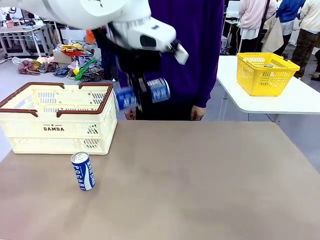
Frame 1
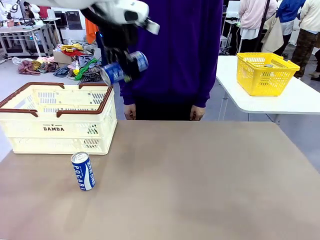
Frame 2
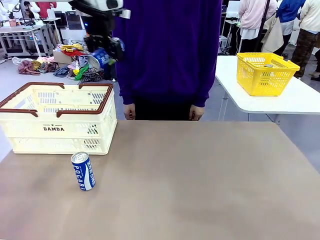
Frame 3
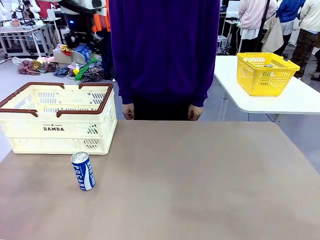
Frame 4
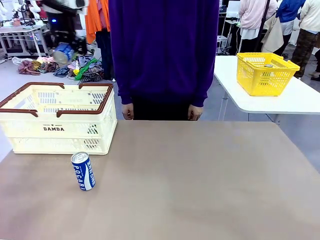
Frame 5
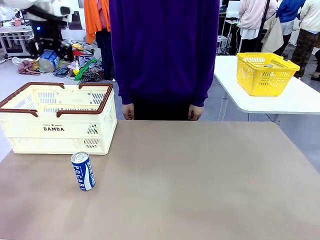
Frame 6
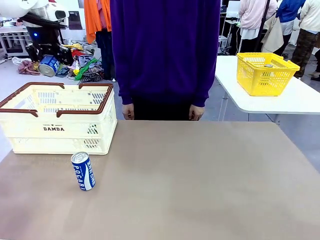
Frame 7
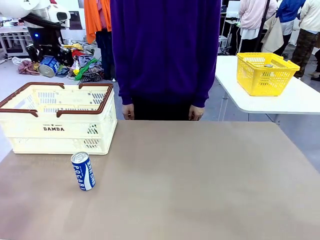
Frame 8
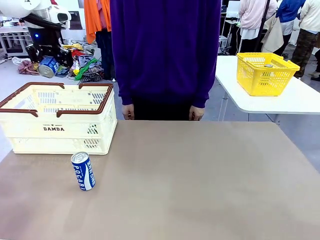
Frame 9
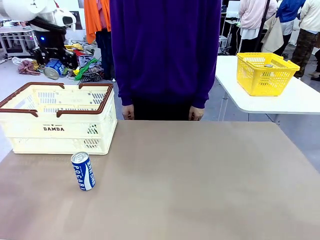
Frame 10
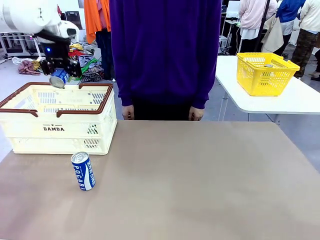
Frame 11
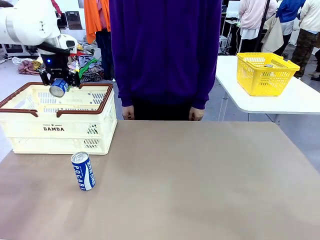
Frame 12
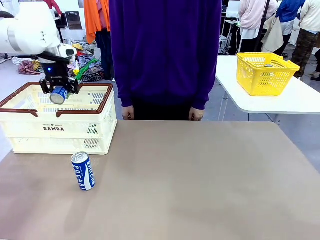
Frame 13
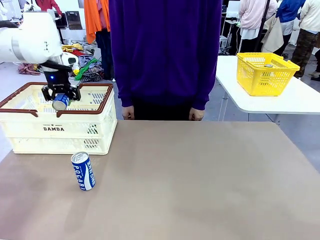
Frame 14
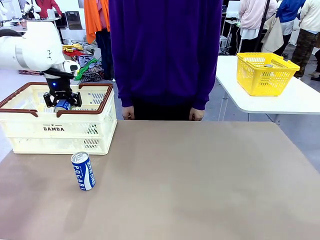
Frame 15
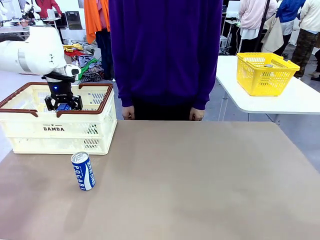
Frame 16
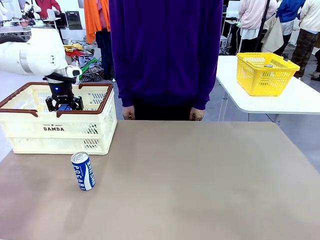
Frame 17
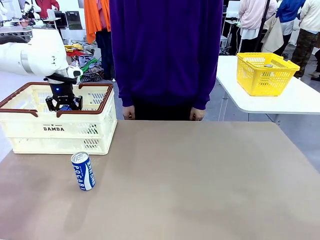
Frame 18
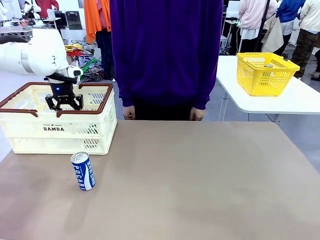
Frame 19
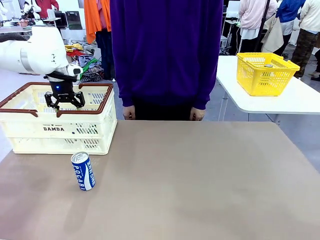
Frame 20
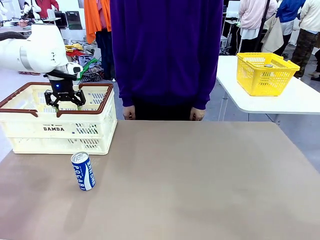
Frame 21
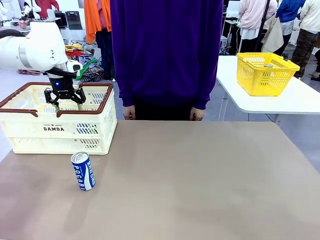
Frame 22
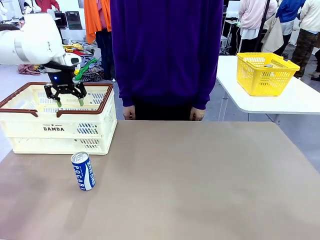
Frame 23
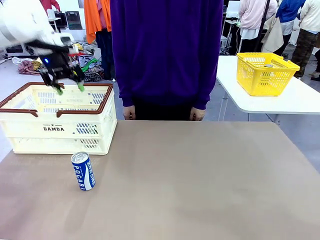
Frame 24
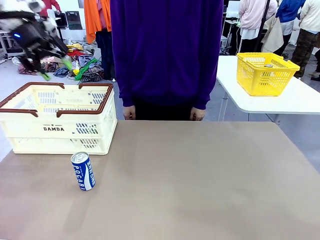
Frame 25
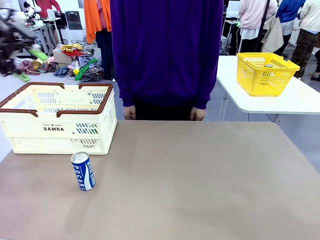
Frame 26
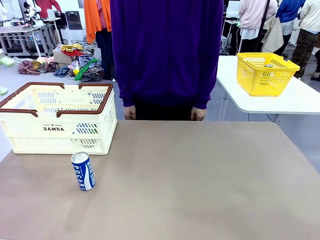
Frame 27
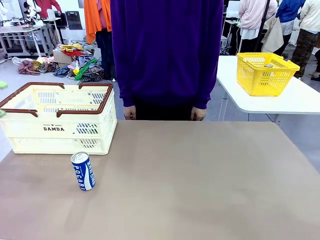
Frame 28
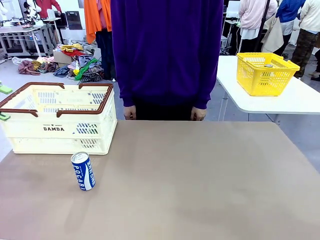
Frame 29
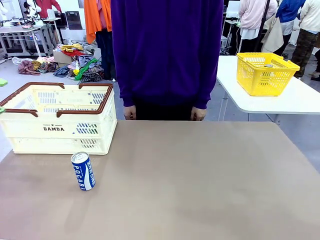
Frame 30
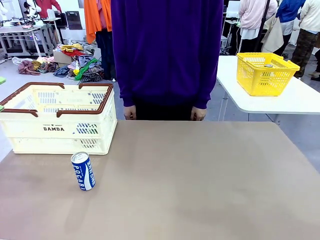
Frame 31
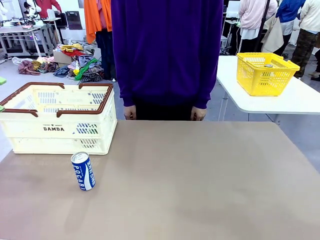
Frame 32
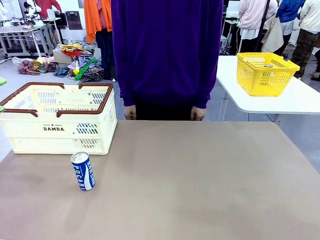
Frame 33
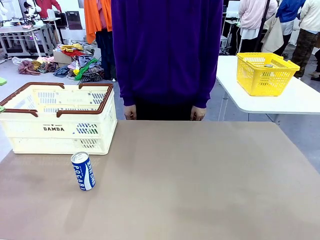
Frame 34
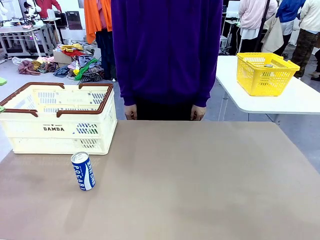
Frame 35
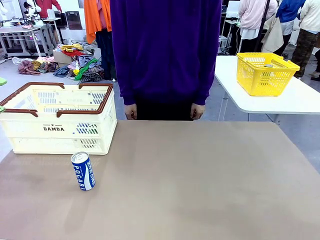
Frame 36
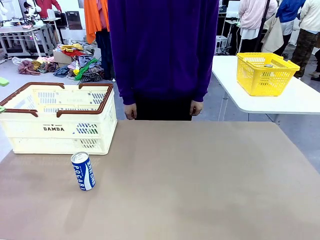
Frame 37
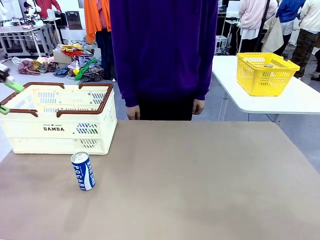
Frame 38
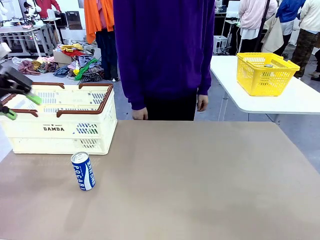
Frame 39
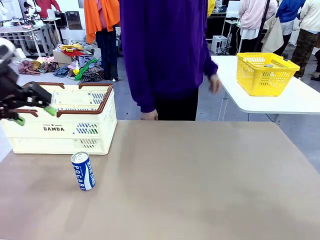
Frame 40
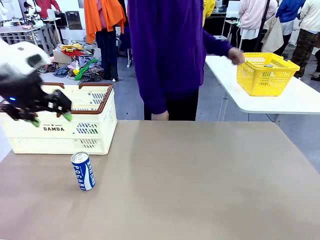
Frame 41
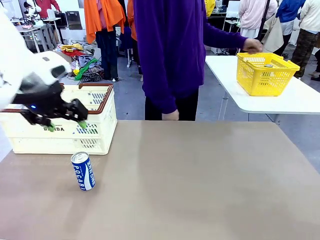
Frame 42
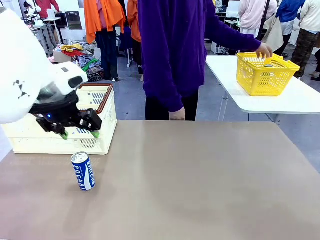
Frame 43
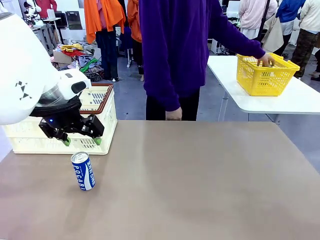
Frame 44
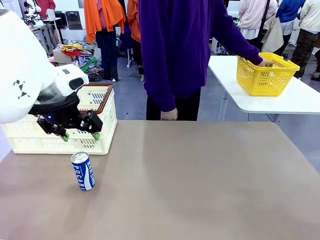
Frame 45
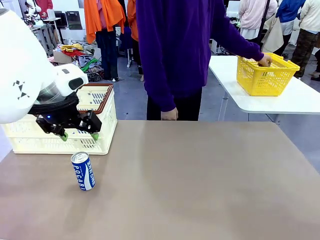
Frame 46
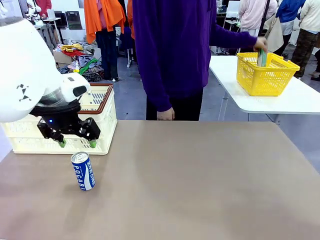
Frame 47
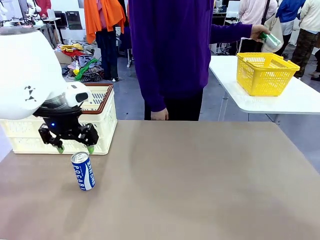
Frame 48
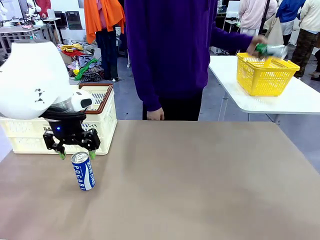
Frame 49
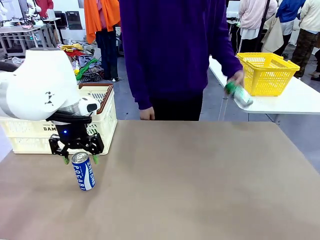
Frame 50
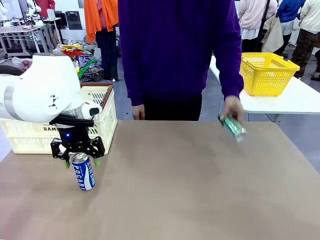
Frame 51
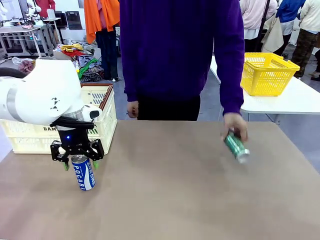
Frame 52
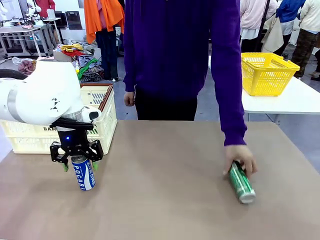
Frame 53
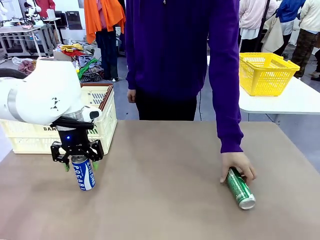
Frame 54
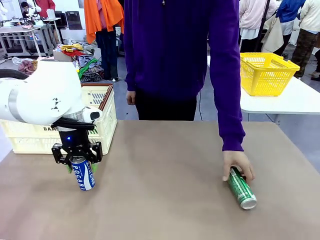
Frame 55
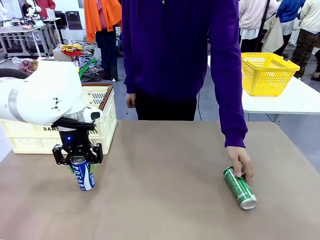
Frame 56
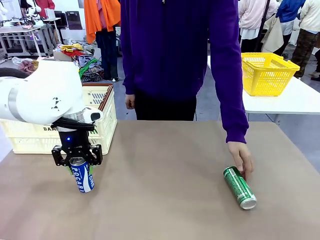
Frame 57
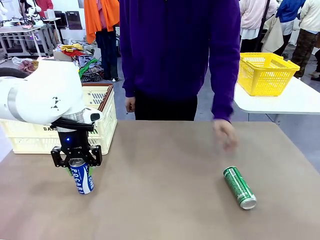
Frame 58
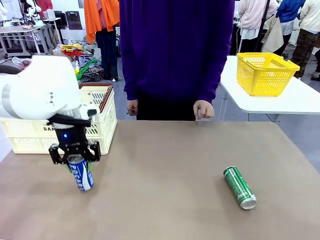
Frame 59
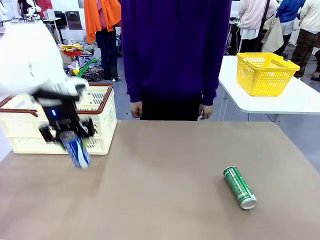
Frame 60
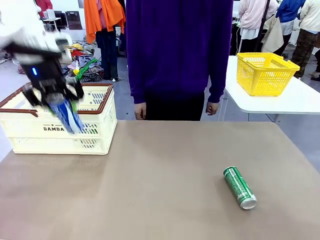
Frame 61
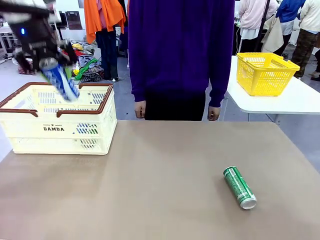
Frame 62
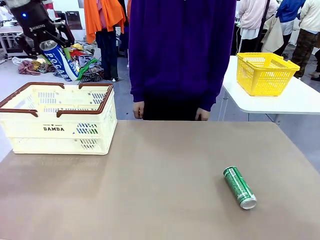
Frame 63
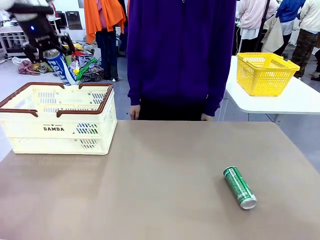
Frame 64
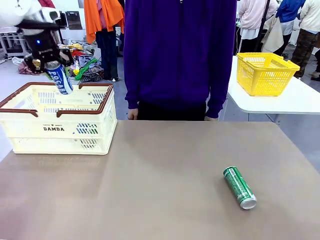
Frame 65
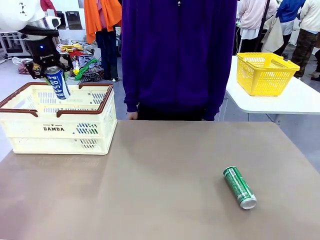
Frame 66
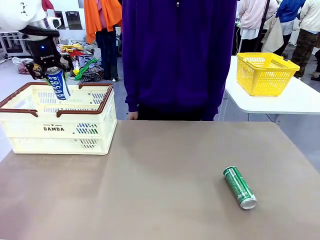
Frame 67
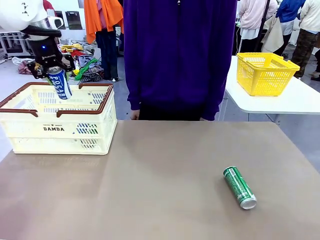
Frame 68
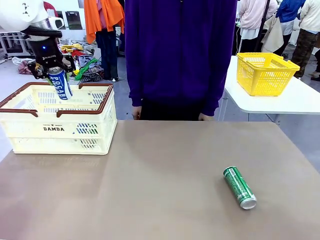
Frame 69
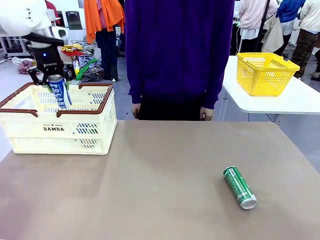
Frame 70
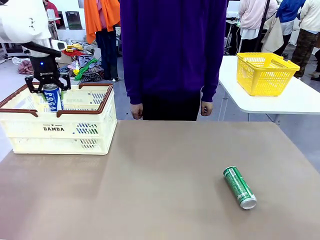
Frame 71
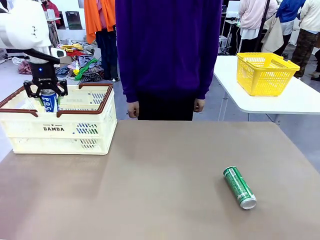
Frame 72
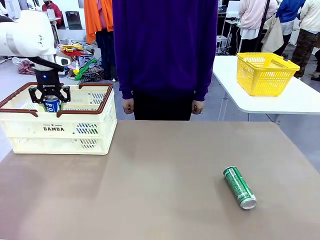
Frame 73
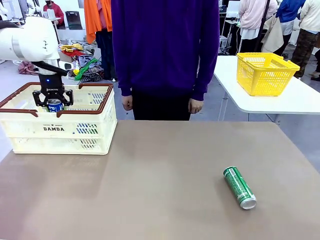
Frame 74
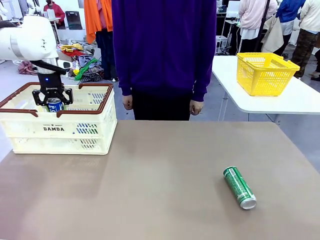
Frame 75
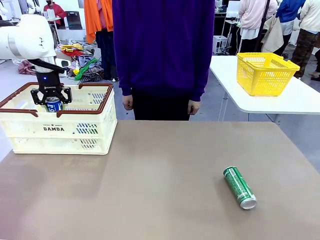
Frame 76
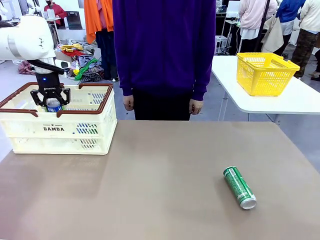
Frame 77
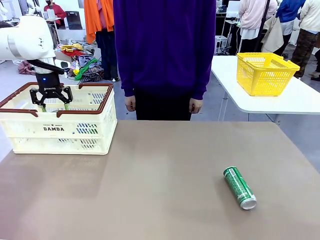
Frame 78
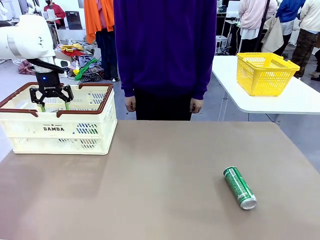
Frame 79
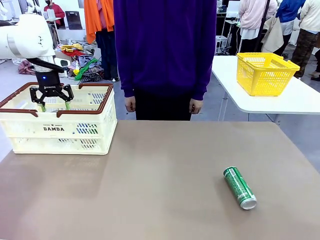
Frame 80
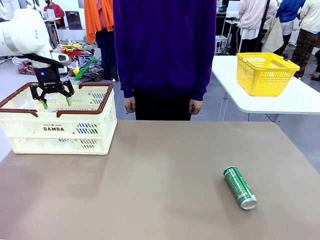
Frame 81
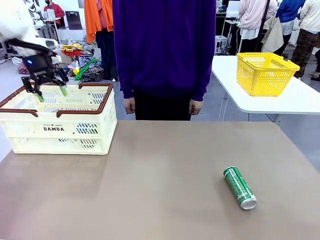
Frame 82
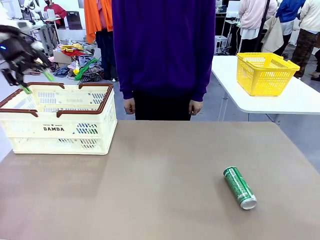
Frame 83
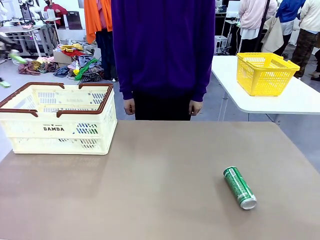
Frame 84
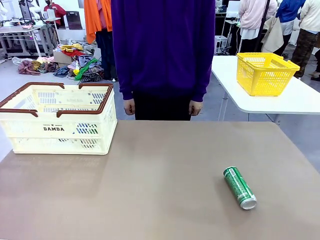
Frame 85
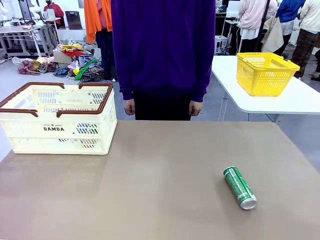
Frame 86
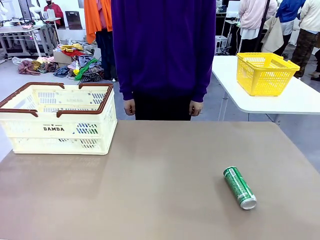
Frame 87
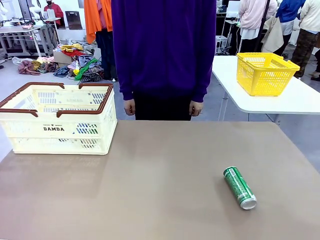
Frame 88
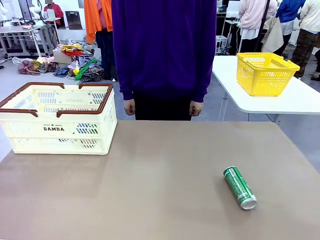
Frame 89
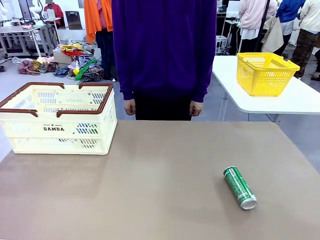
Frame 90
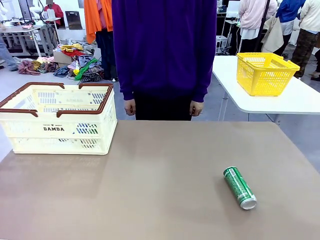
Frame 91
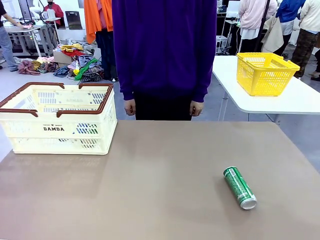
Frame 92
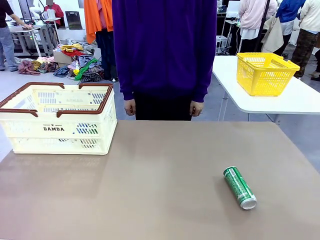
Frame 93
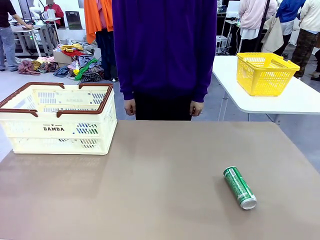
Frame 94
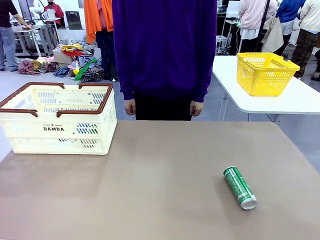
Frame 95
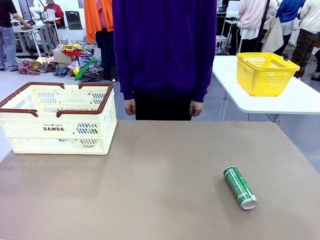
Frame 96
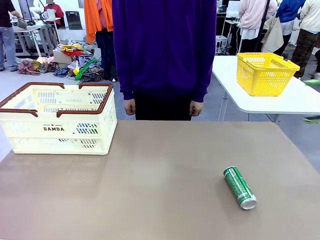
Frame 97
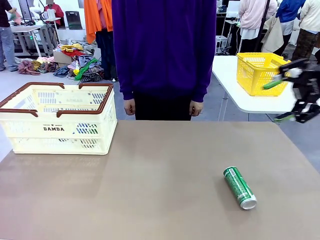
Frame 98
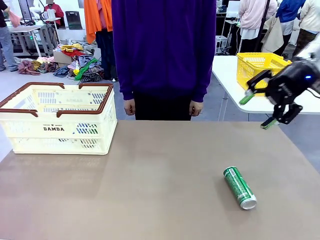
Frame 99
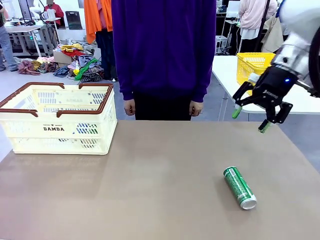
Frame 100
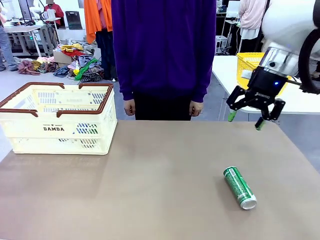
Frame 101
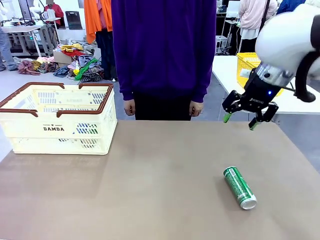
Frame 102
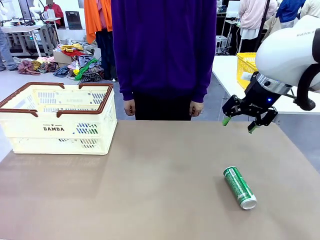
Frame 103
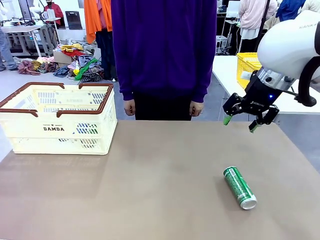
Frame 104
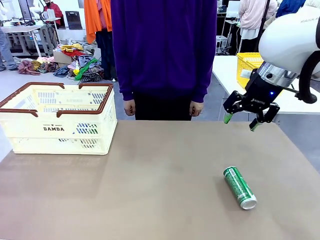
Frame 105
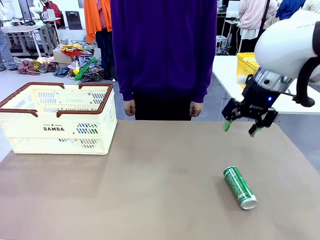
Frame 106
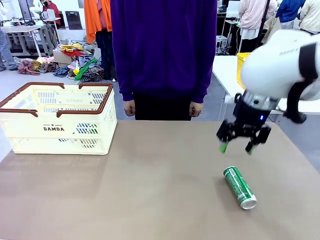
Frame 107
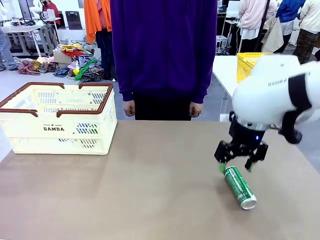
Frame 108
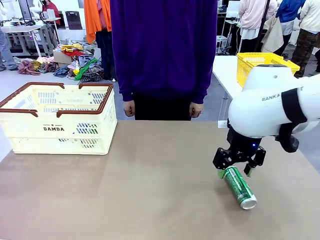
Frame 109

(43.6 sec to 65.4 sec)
Task: Place the drinks into the Shopping basket.
Robot: Pick up one drink and place it into the Shopping basket.
